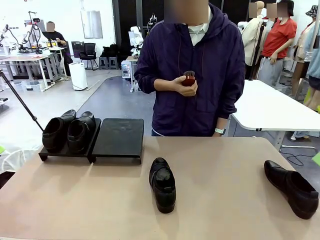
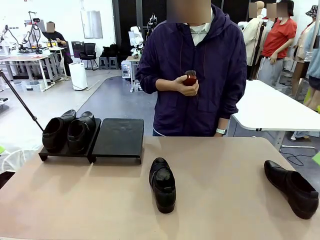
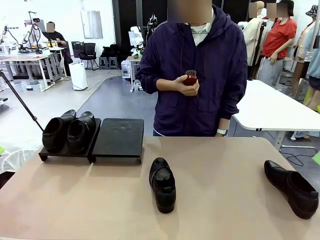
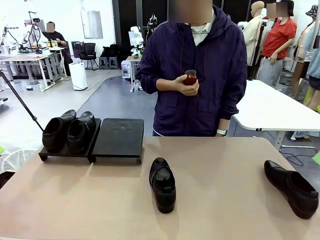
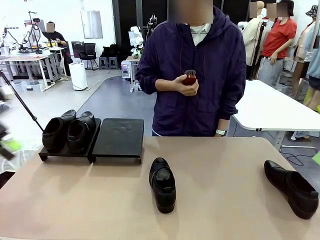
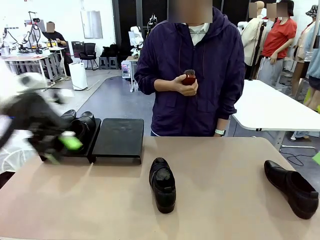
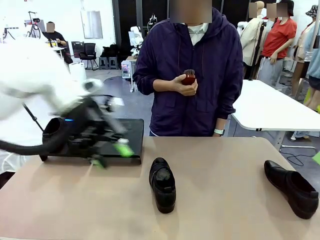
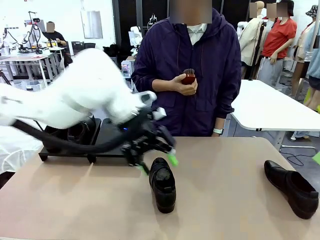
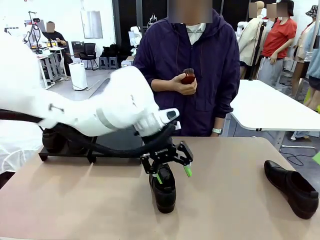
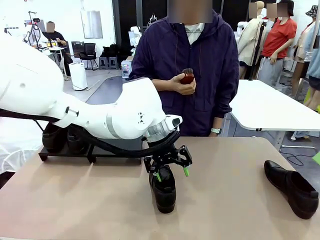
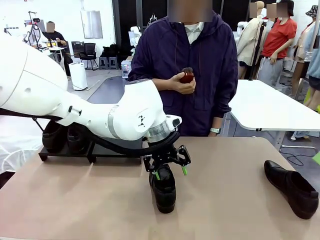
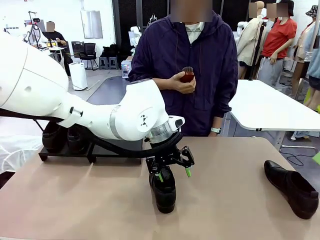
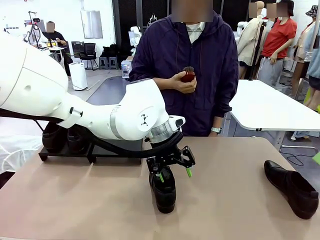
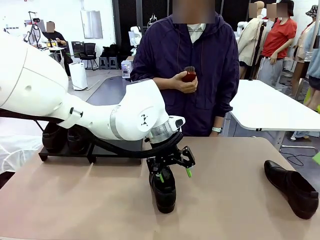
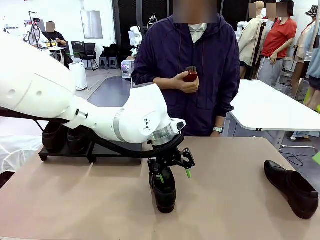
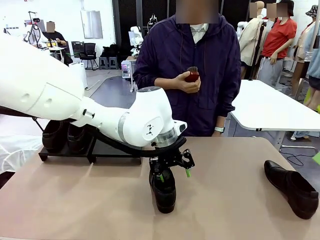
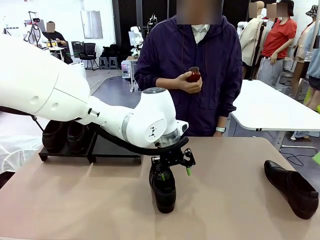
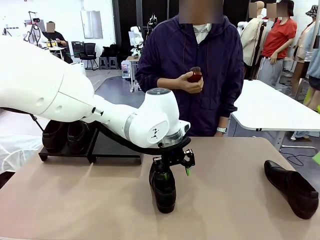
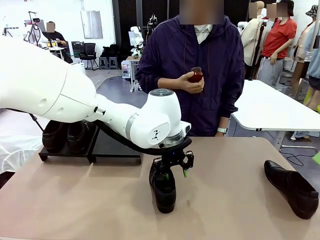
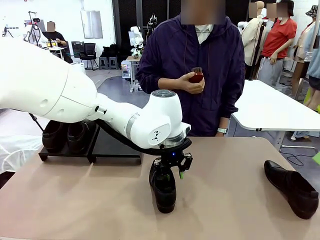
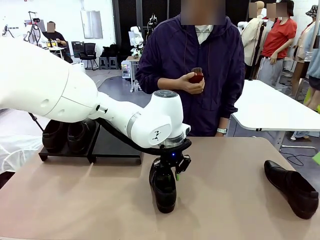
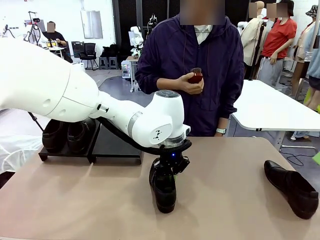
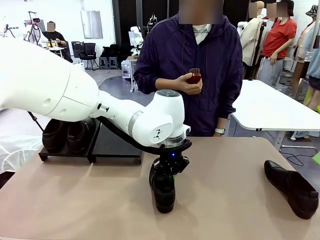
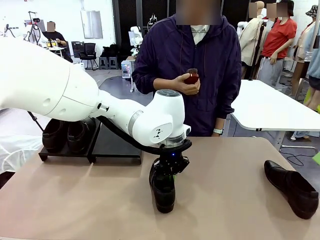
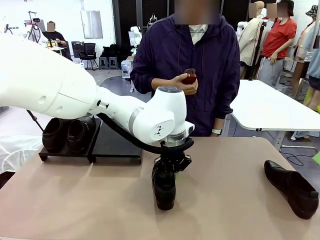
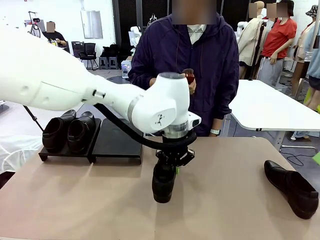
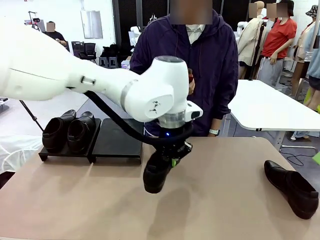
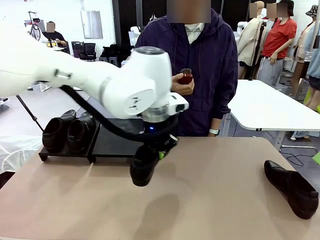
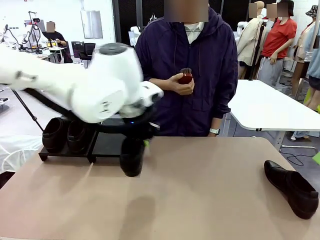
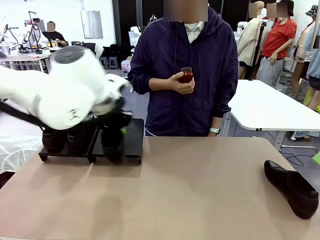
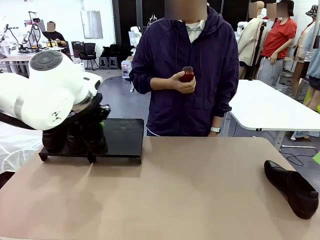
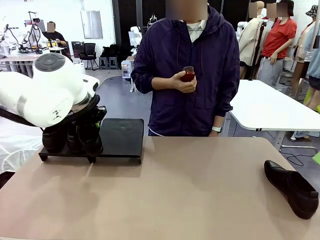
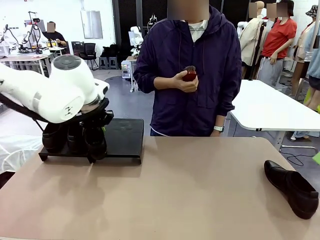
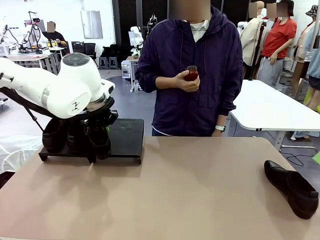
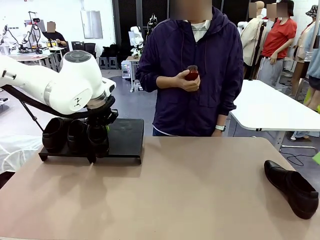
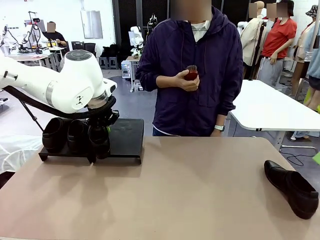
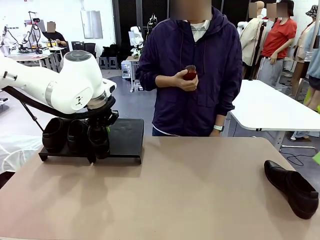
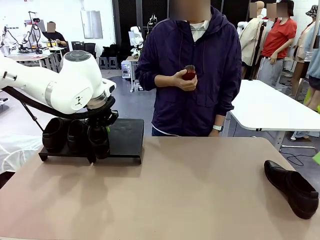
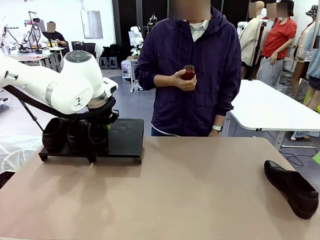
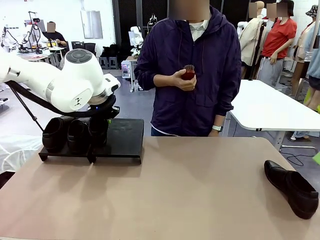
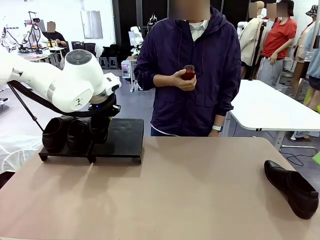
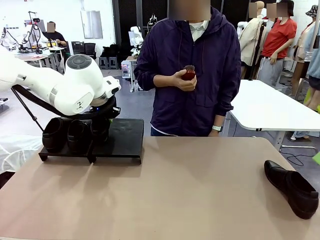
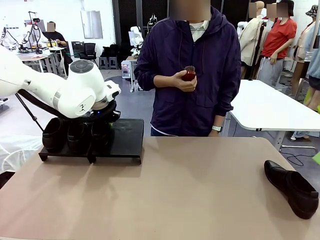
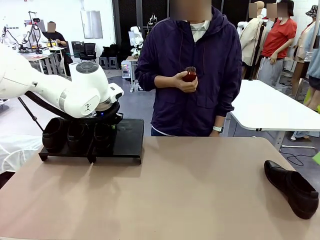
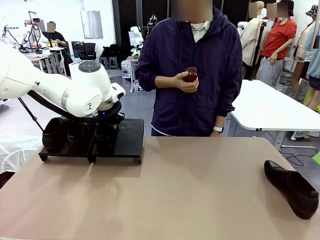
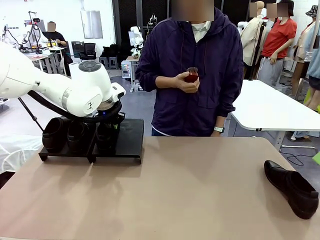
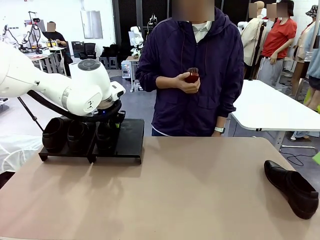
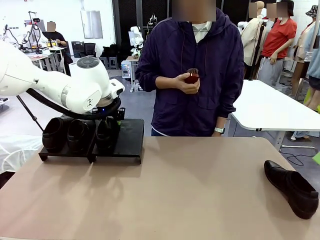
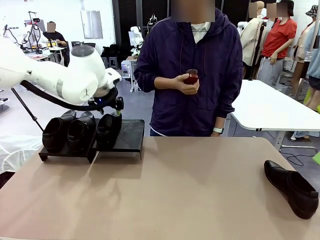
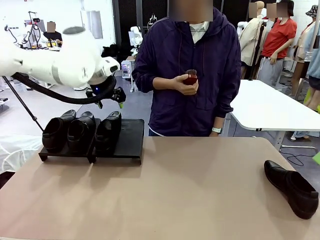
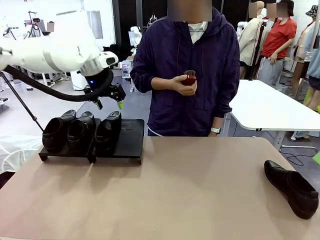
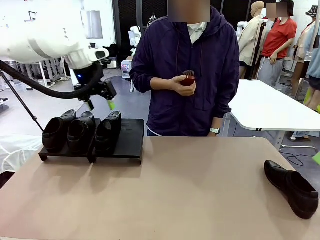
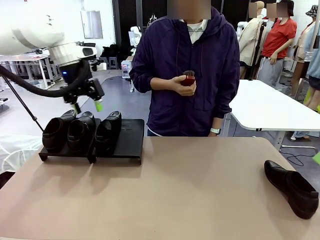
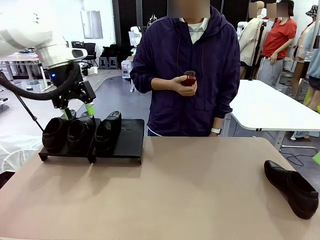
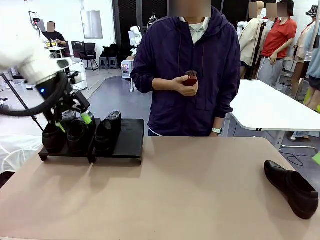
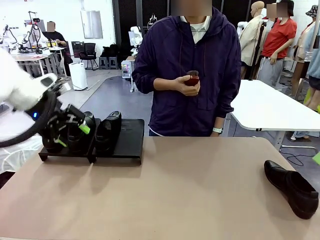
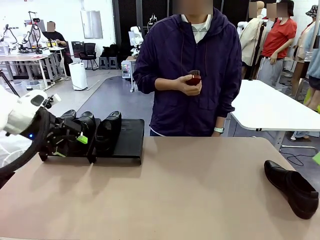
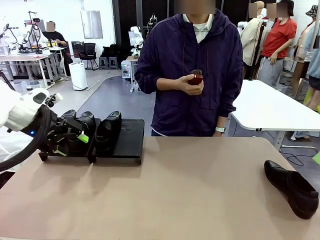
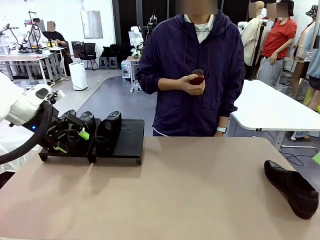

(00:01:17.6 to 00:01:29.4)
Task: Organize the shoes by placing them on the stand.
Robot: Place the Shoe from the middle of the table onto the Shoes Stand.

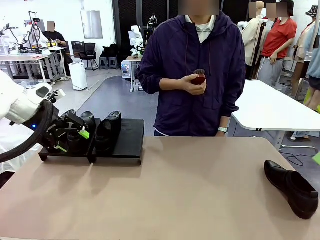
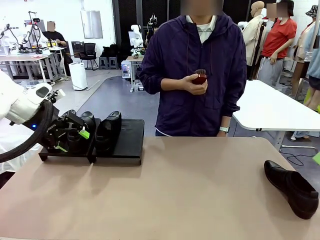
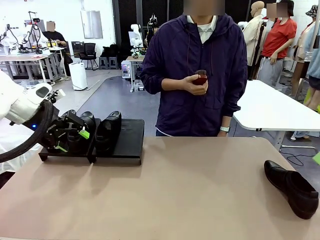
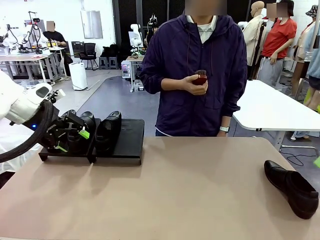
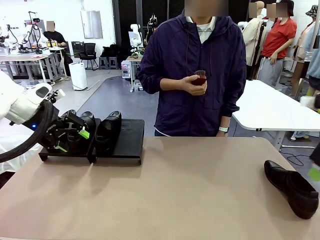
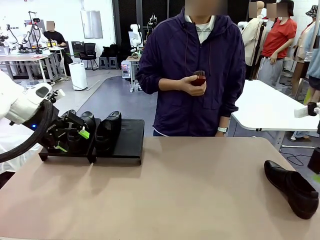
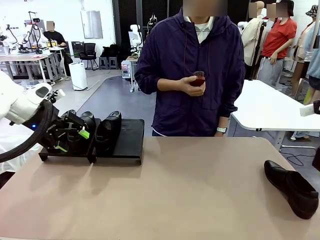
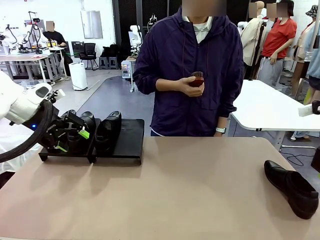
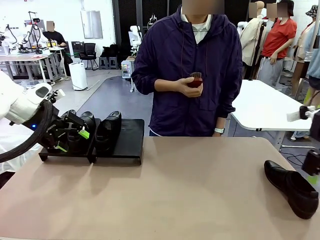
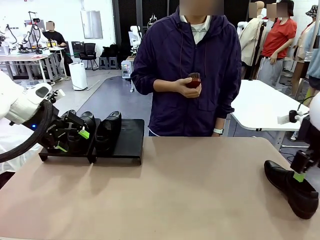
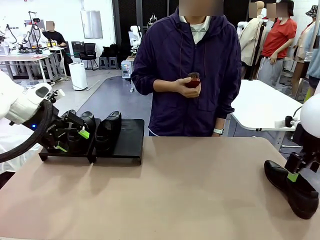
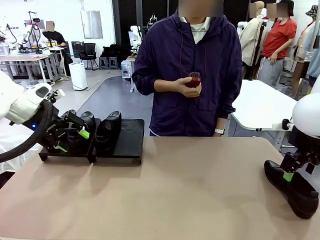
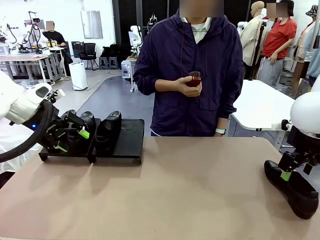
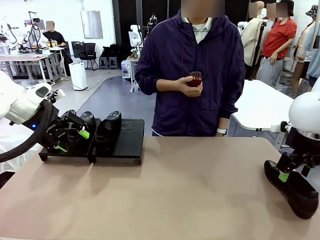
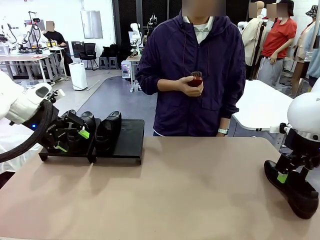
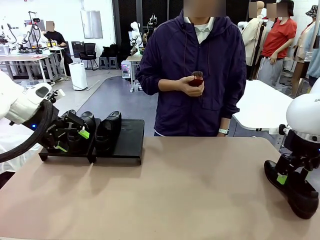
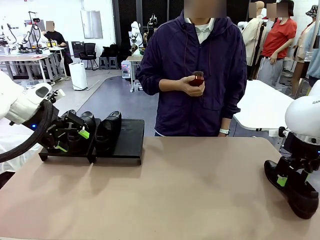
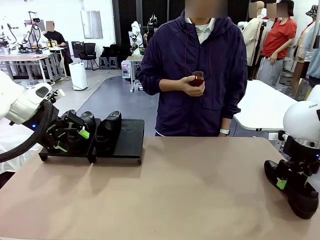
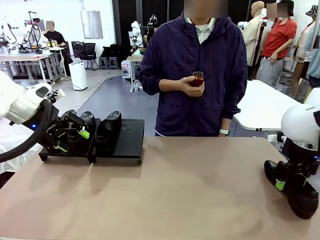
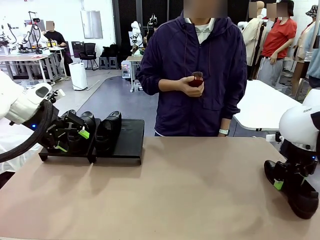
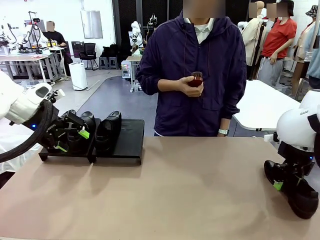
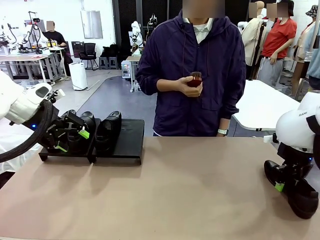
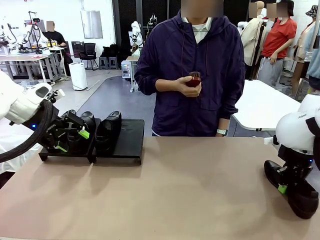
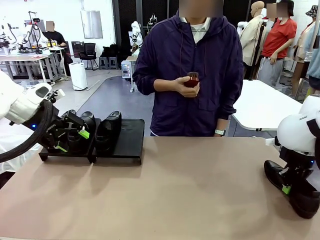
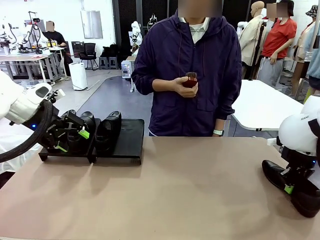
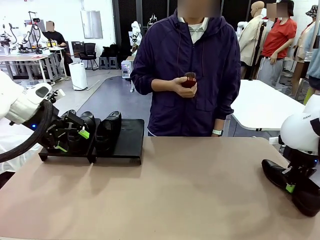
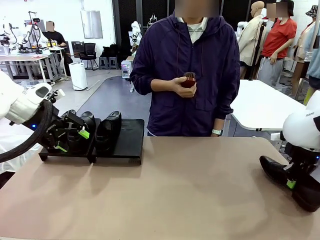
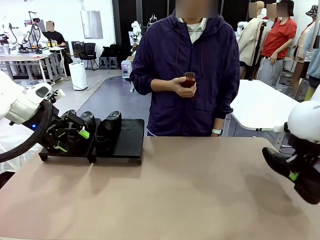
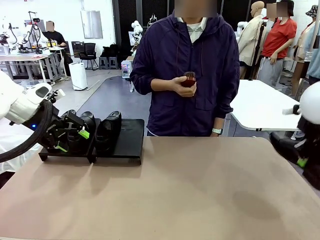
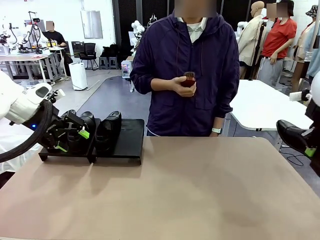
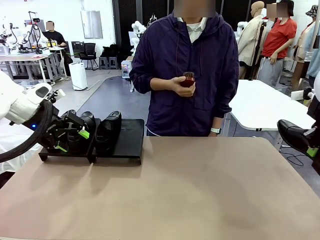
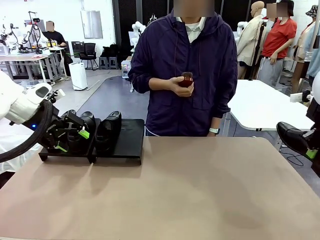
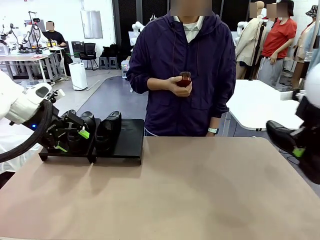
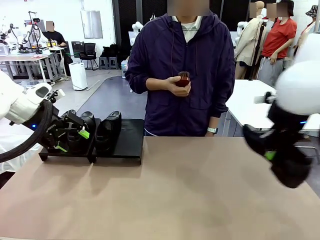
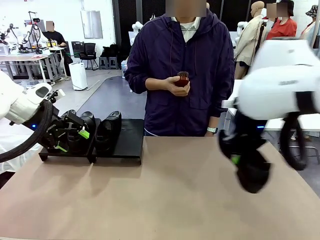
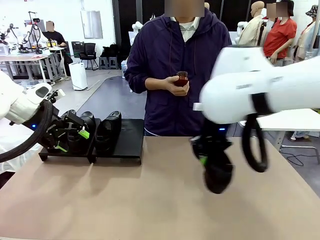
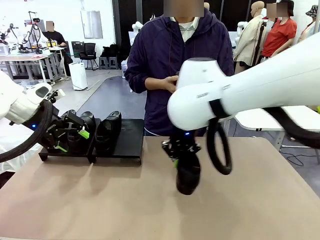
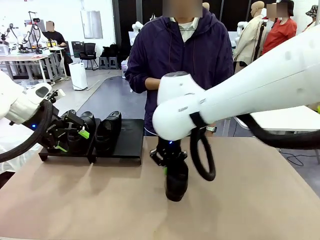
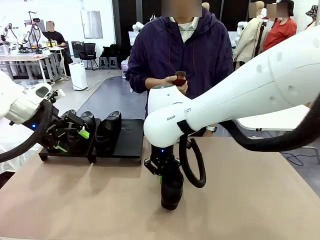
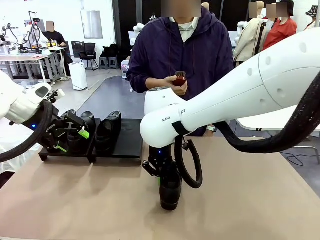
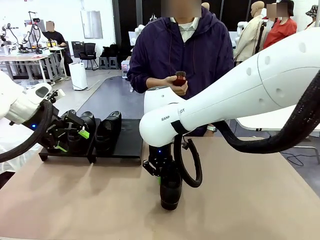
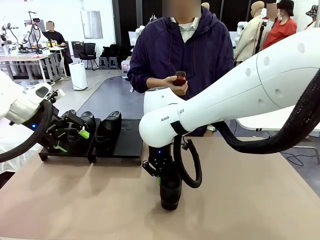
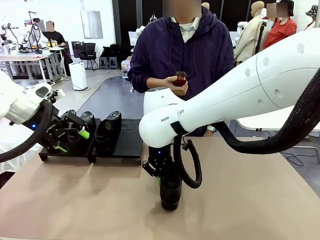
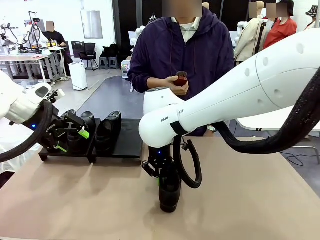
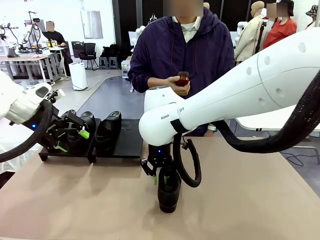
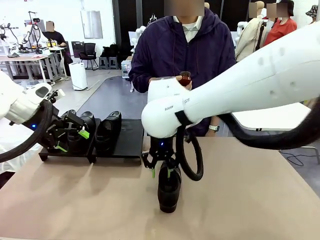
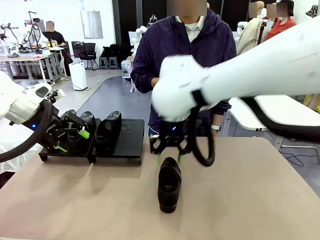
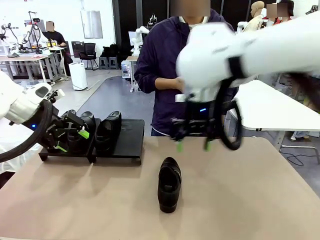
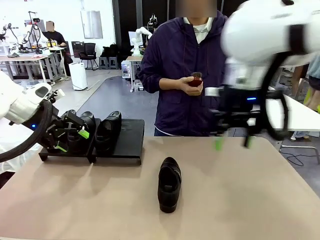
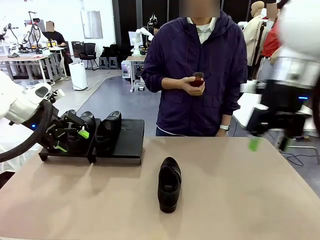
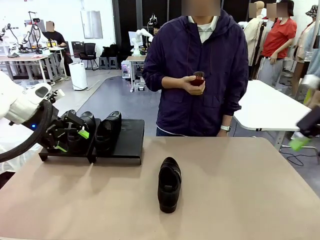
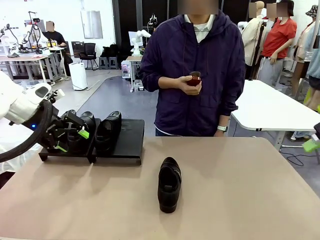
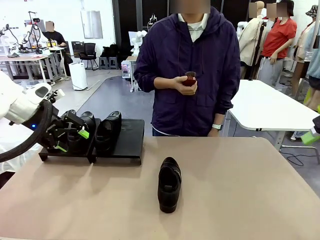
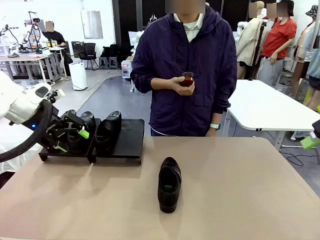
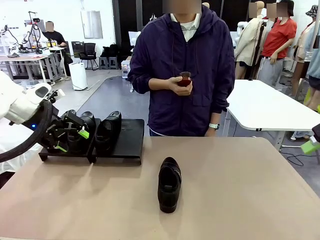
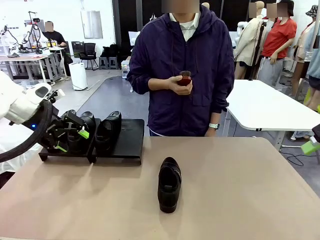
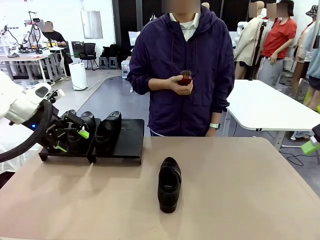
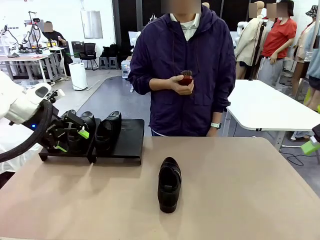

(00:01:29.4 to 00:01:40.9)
Robot: Pick up one Shoe and place it in the middle of the table.
